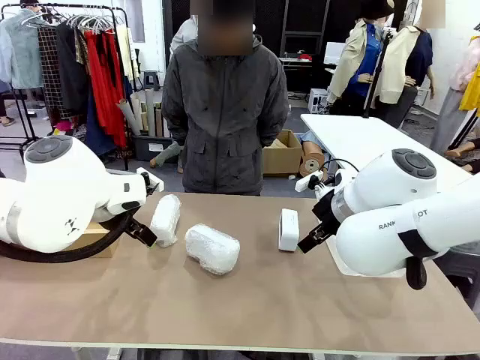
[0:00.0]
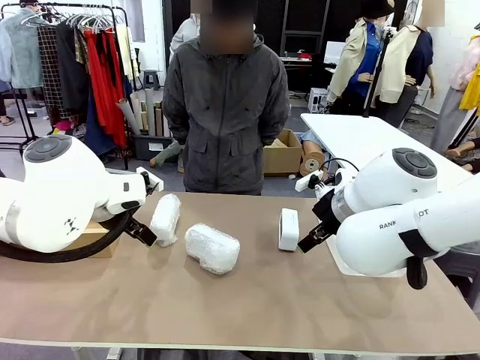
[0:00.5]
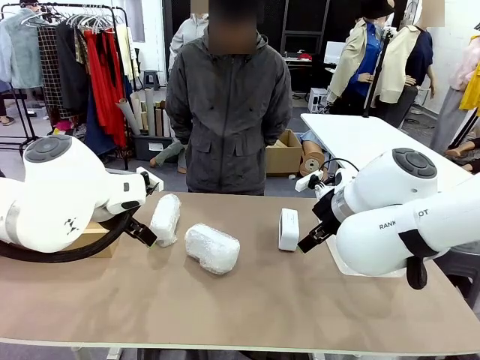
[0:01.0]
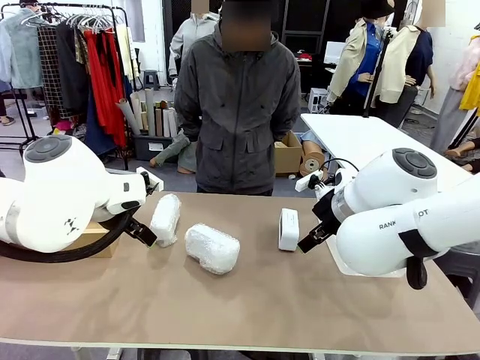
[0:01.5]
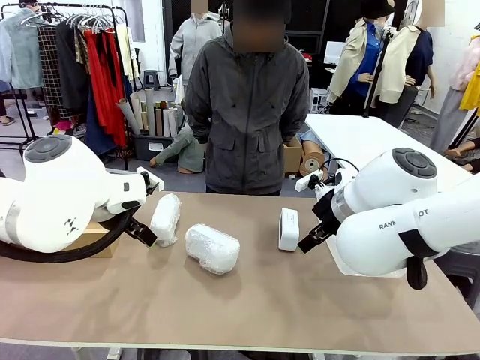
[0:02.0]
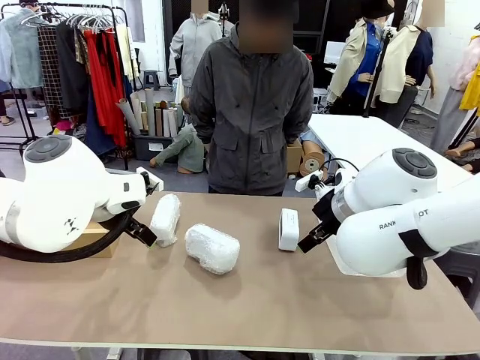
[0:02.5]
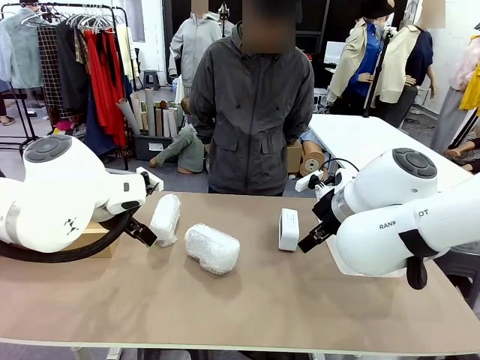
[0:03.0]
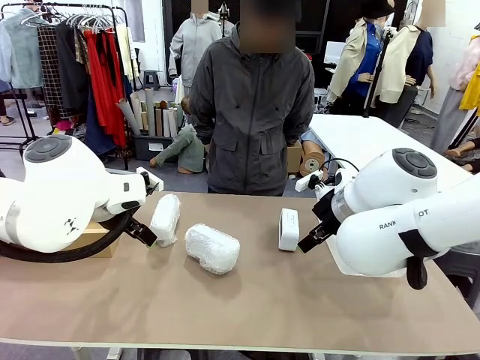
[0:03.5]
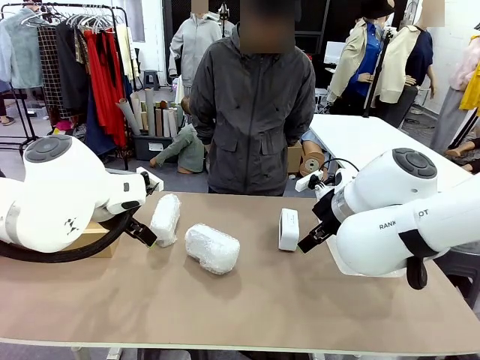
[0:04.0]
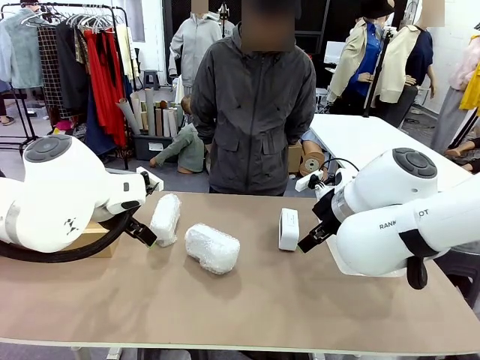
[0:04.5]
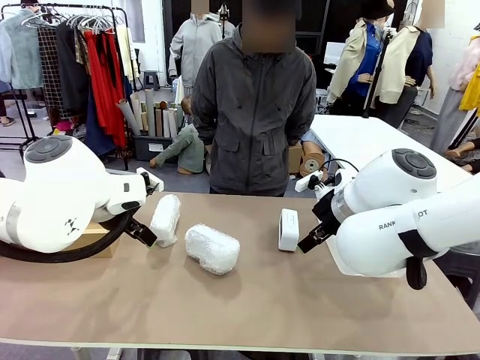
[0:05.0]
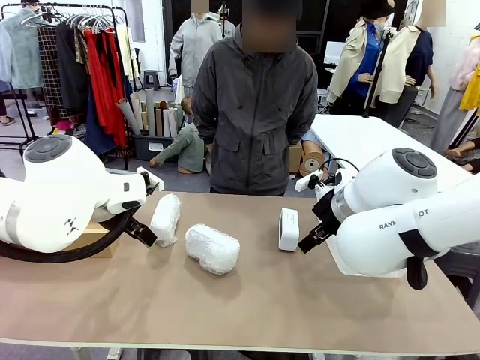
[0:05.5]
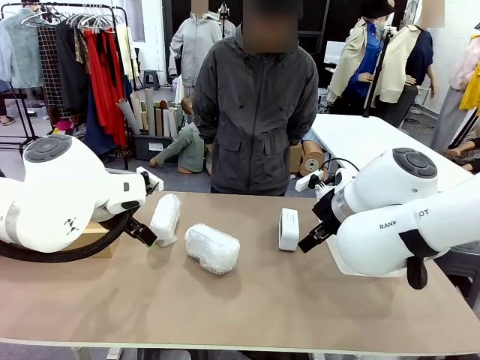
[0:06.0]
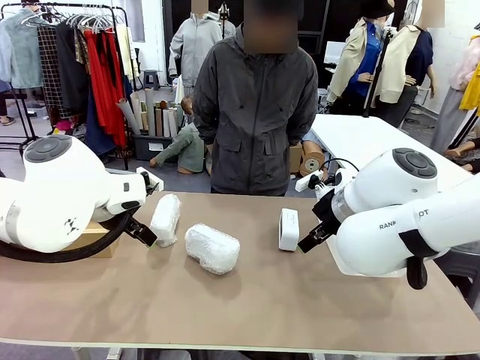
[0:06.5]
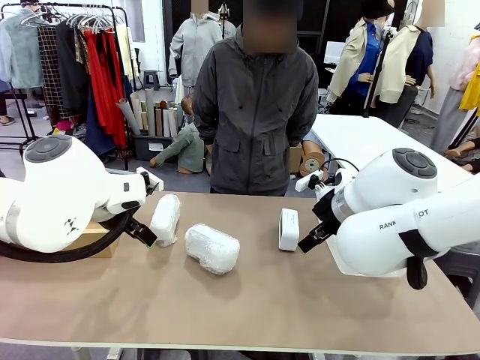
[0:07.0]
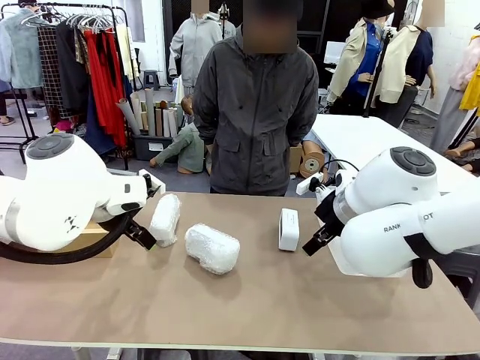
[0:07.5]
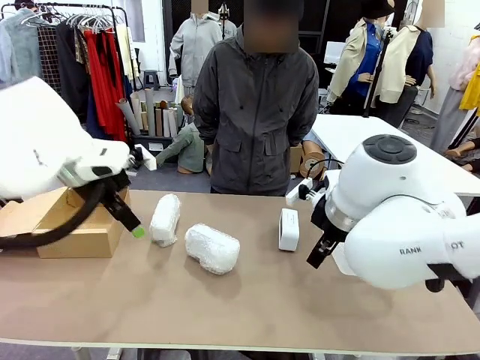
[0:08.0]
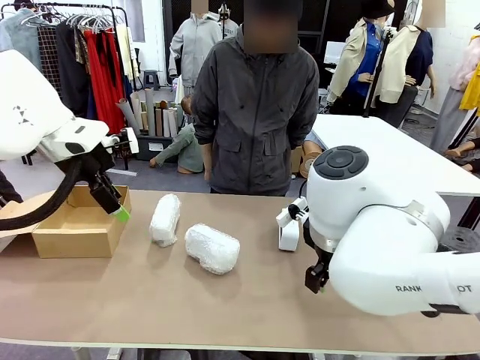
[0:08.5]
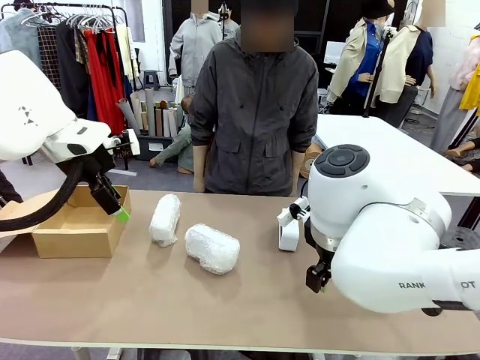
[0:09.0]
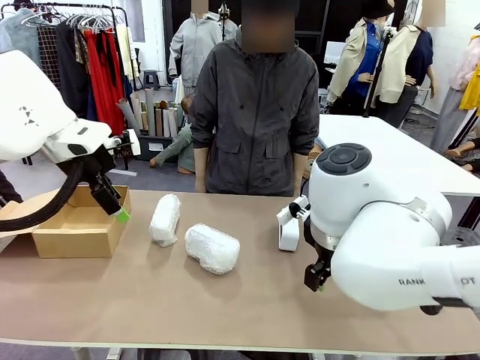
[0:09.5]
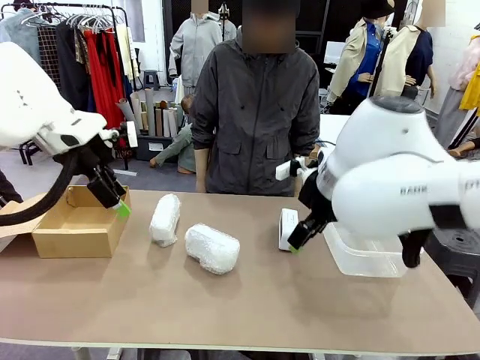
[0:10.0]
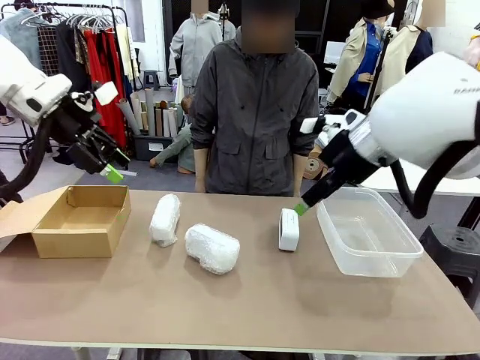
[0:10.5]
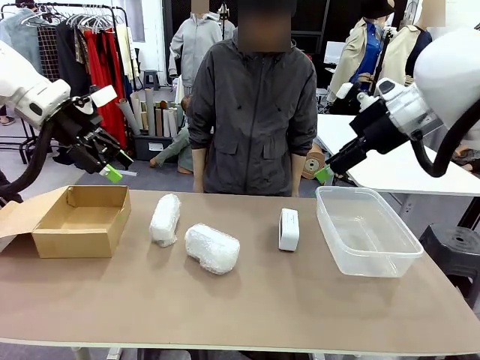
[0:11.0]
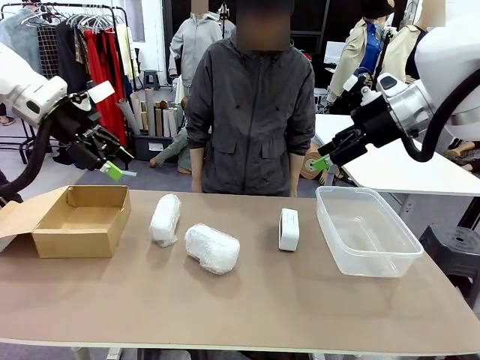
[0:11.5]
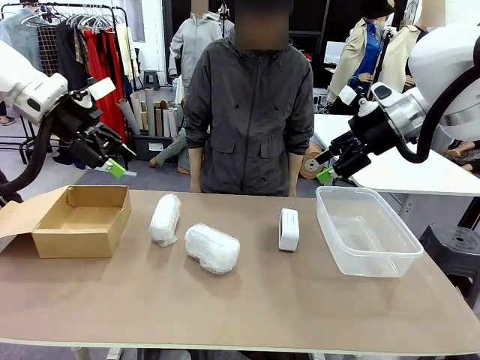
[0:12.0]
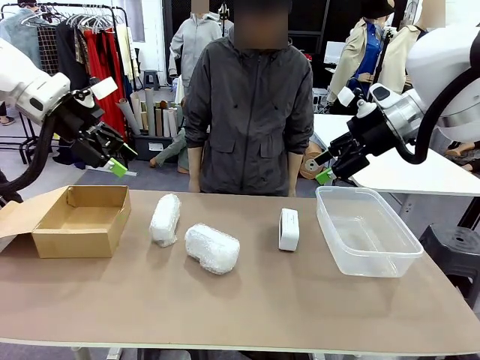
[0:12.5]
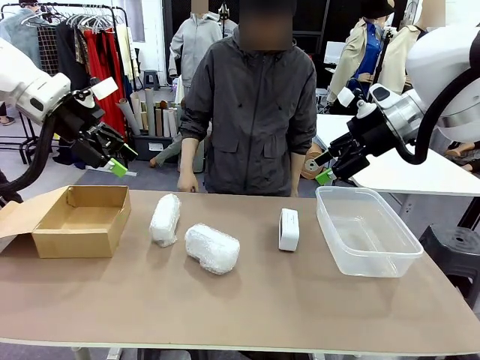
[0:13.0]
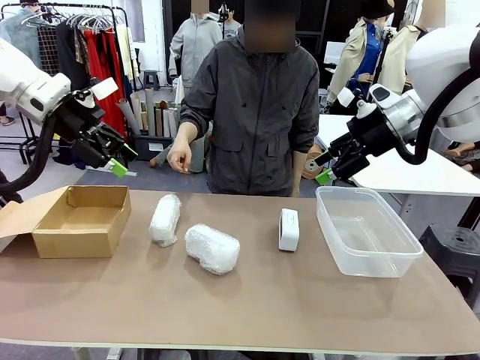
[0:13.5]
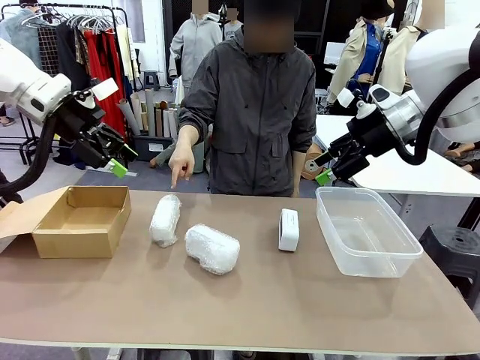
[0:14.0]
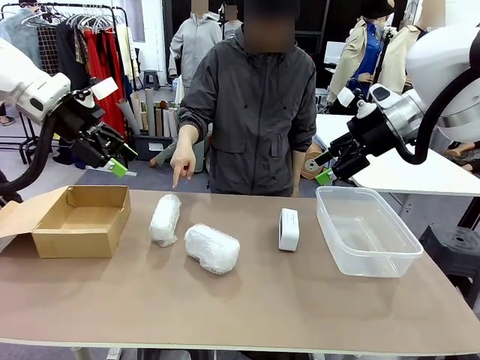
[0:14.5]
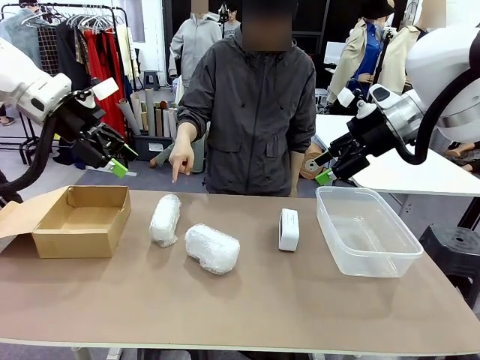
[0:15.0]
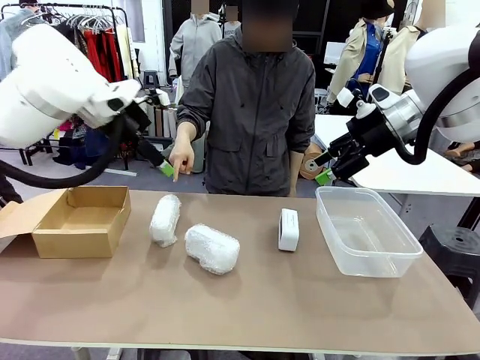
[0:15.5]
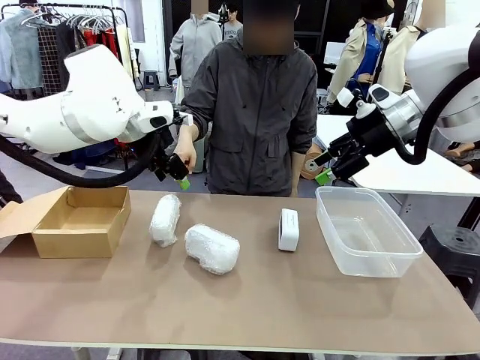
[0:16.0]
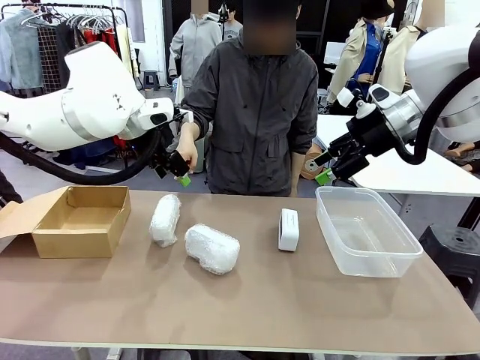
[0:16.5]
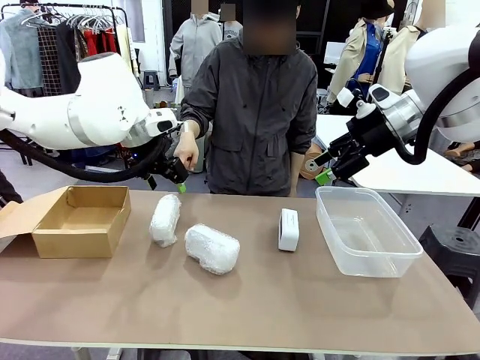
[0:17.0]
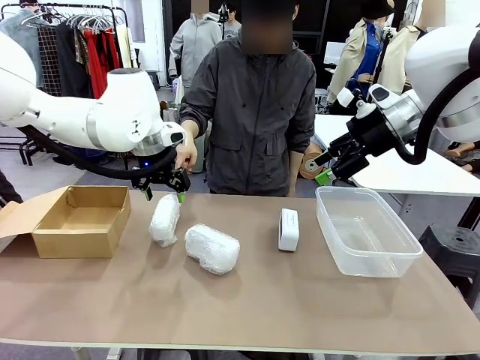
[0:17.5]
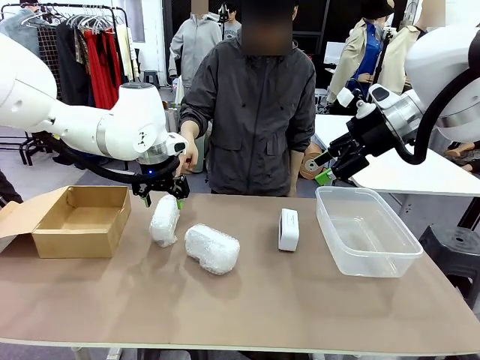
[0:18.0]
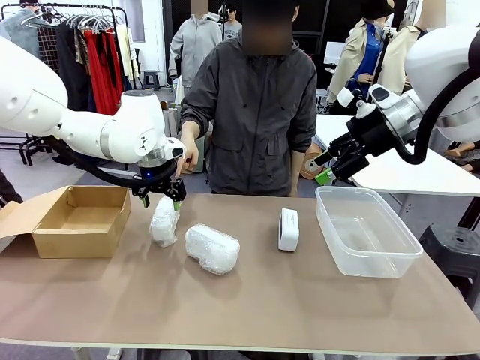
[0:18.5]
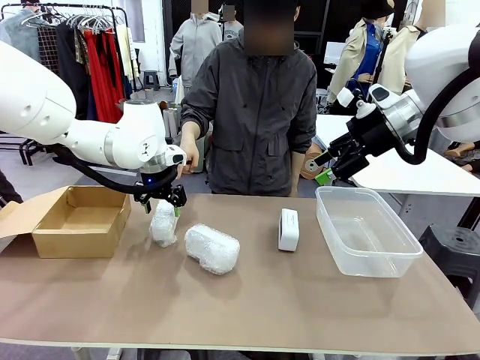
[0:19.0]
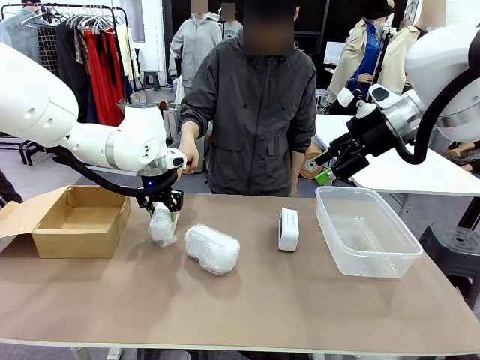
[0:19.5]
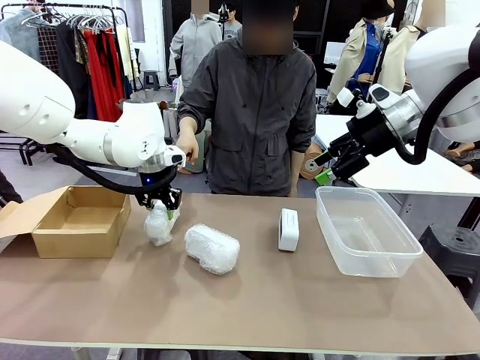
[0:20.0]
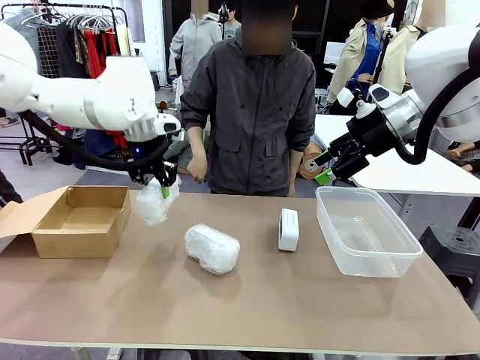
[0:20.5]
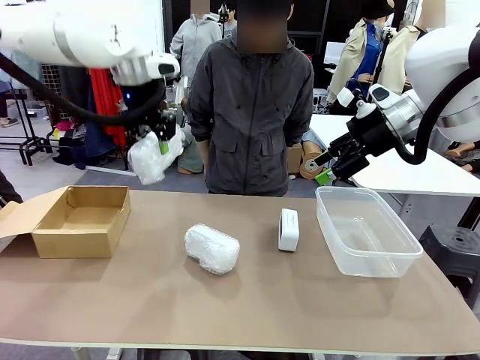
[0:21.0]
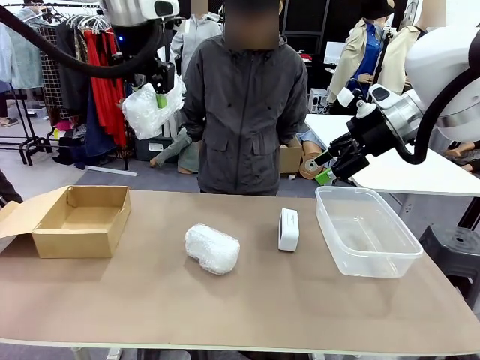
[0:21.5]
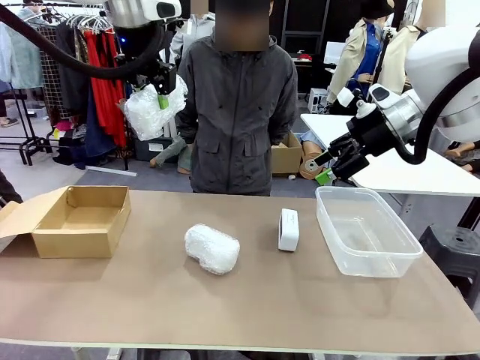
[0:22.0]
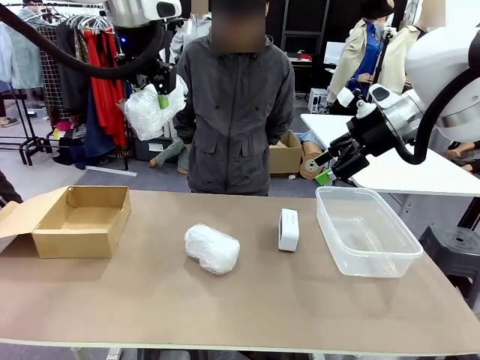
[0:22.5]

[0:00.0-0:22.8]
Task: Separate and place wrapped and unwrapped clocks.
Robot: Pick up the Digital clock indicated by the person.

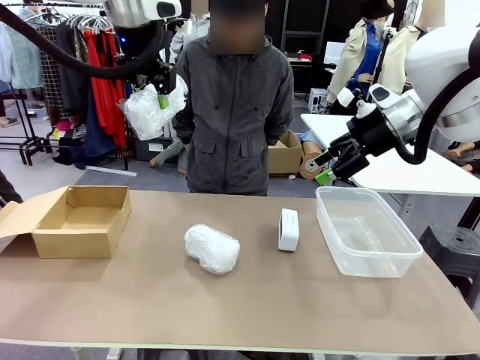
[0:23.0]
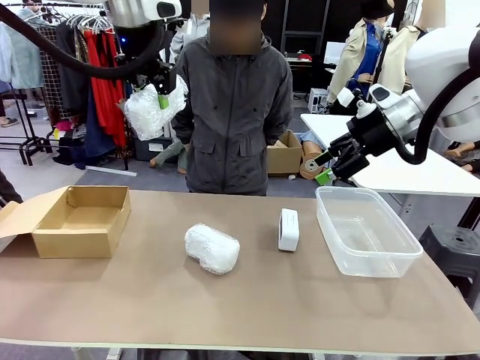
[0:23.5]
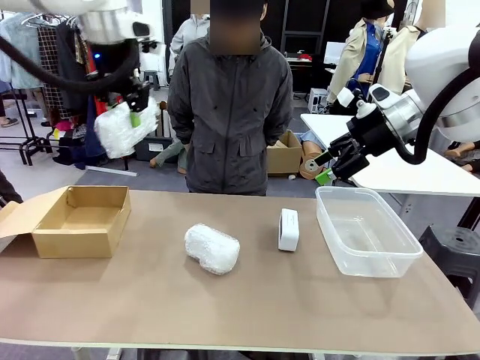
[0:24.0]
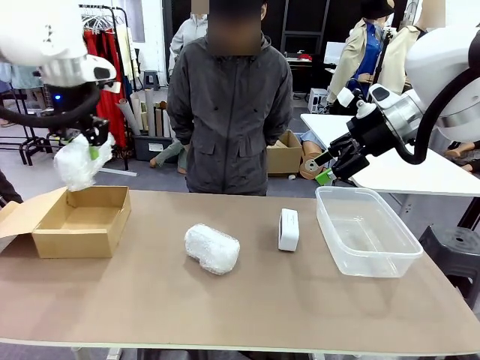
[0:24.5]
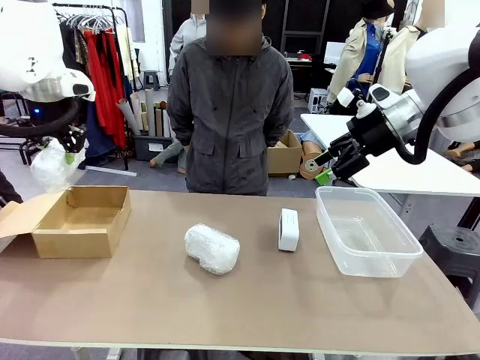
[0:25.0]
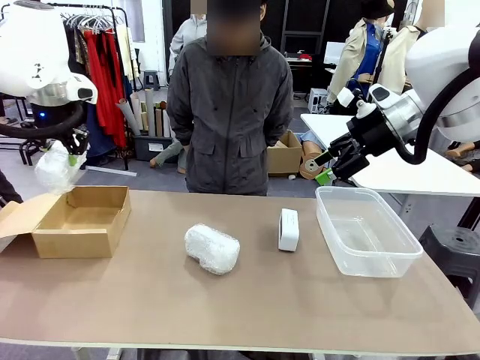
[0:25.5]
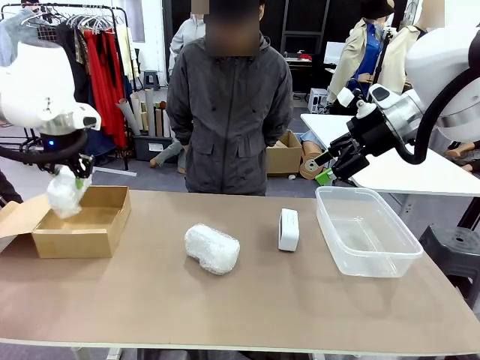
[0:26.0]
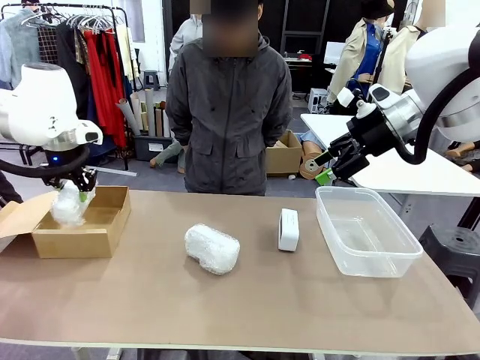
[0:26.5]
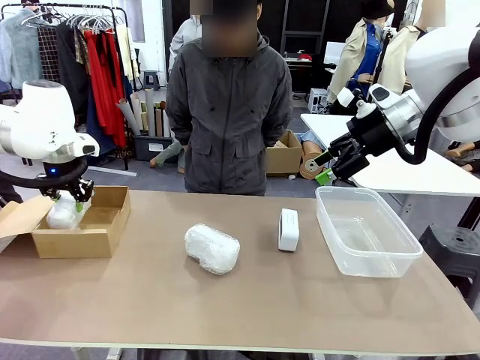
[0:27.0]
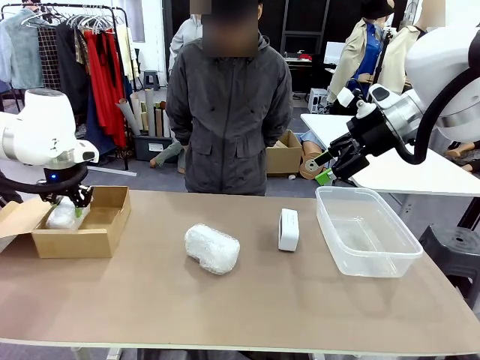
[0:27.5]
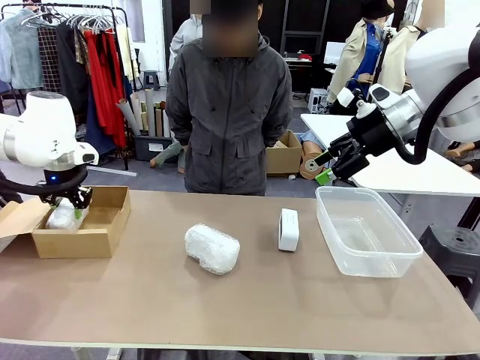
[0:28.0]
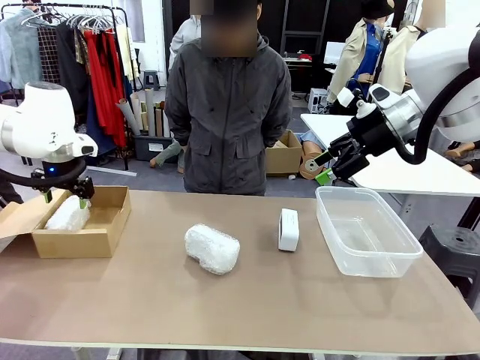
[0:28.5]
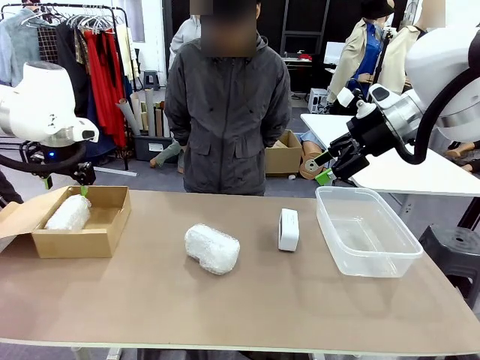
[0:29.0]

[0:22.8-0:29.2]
Robot: If the picked Digital clock is wrapped, place it in the Package Box ; if not, place it in the Organizing box.
